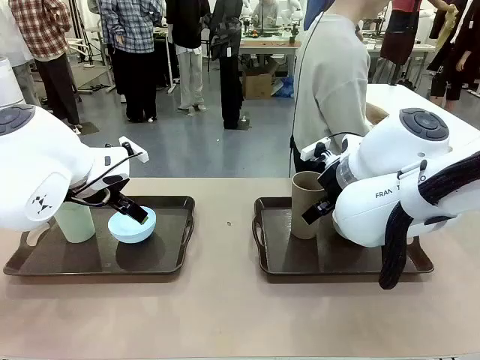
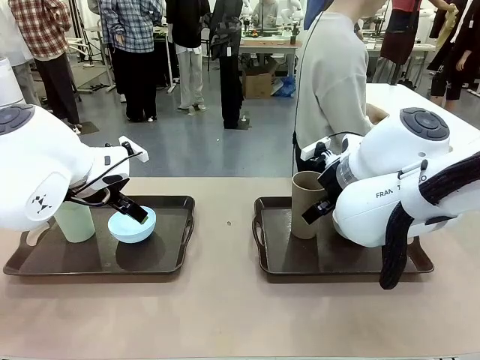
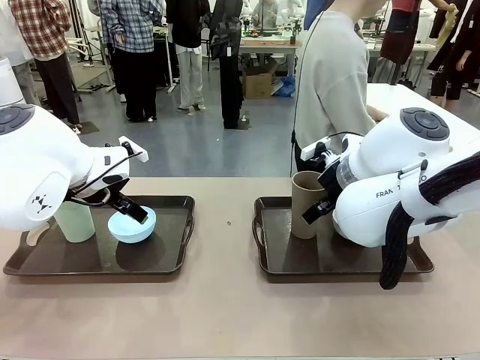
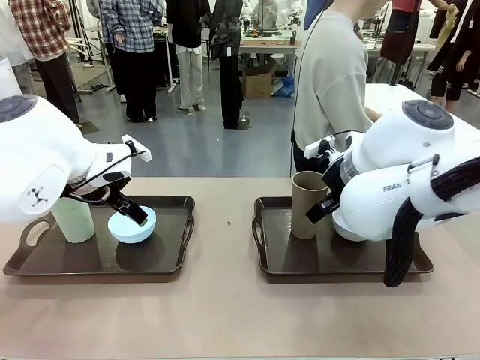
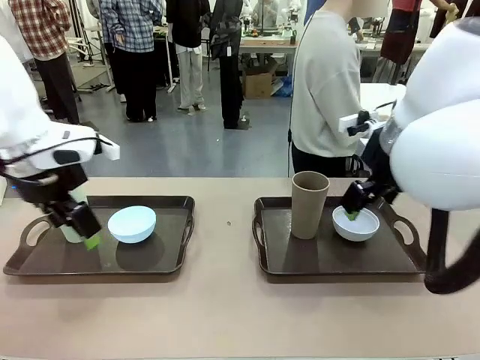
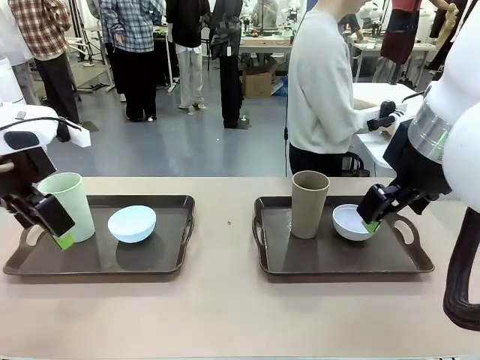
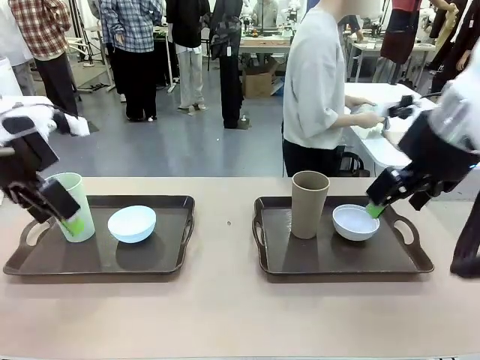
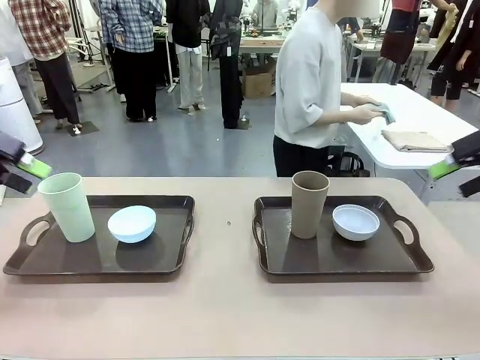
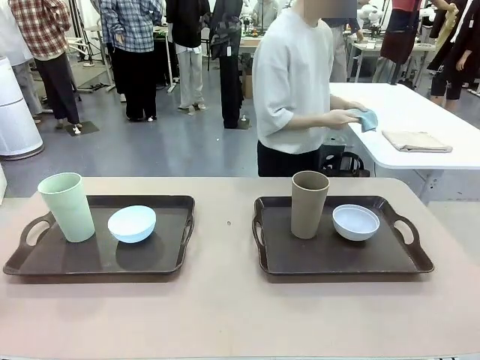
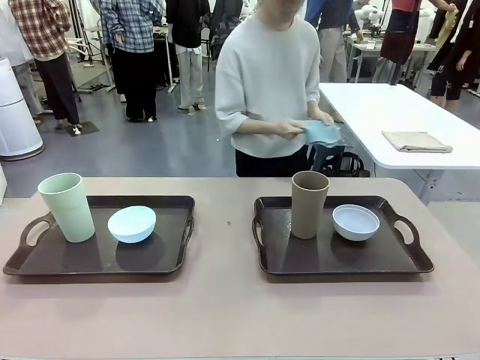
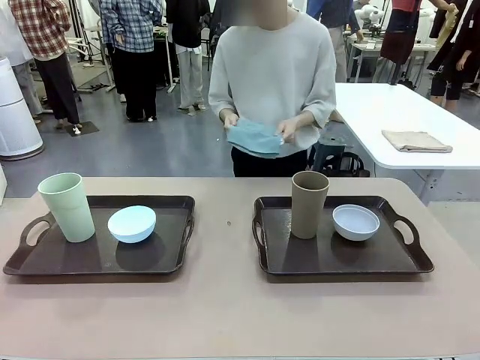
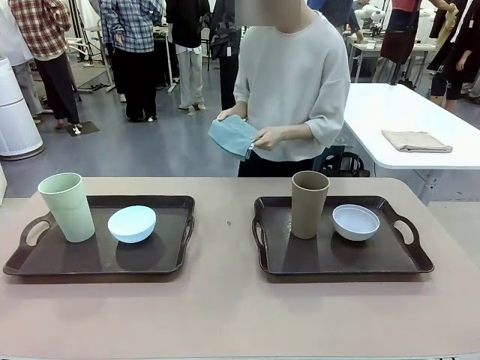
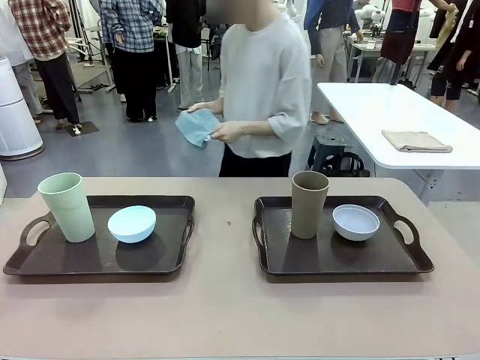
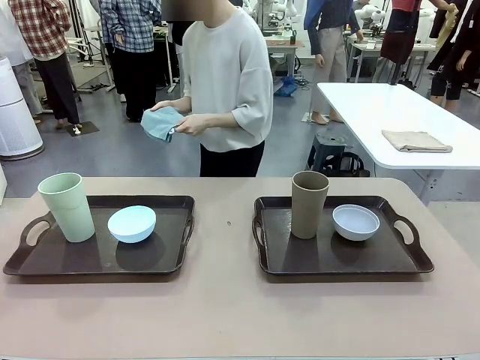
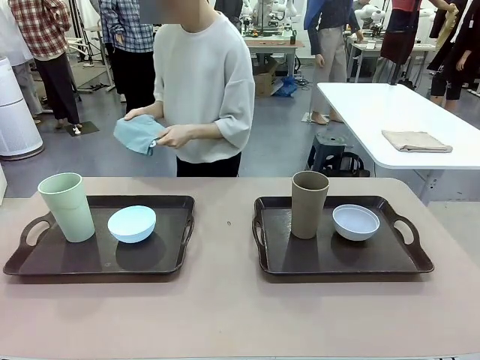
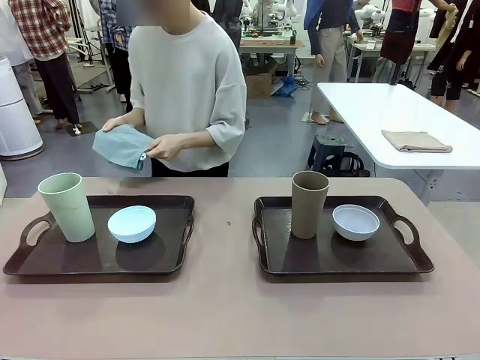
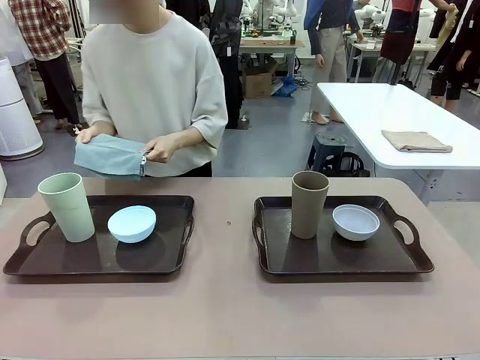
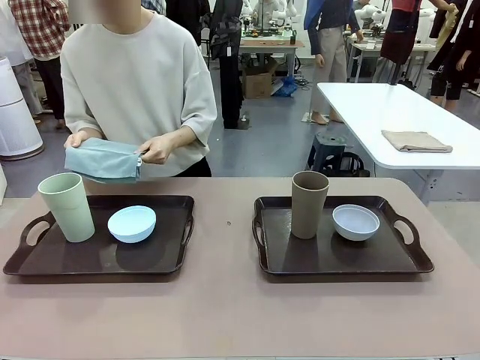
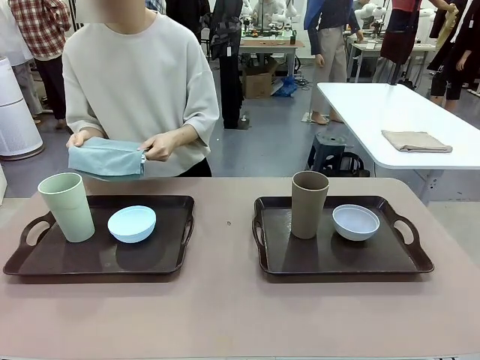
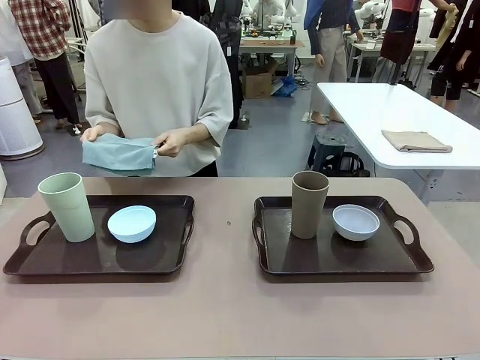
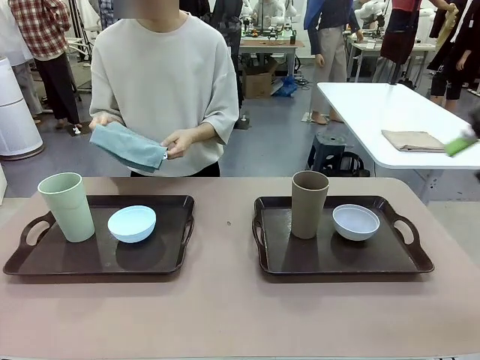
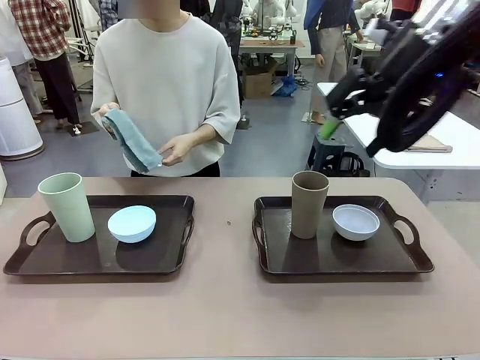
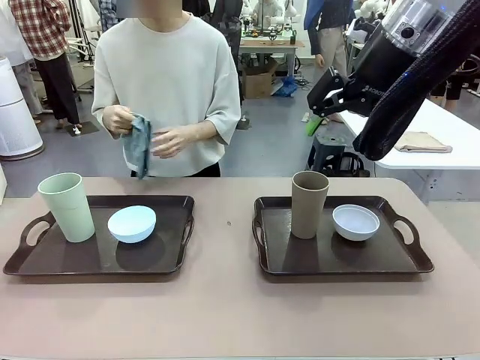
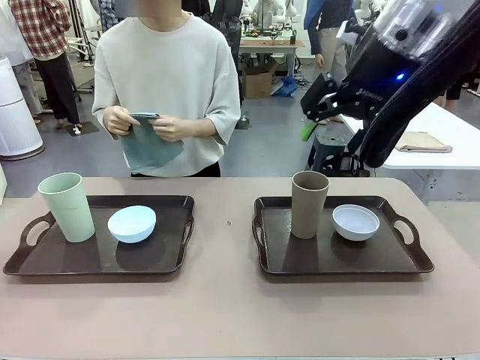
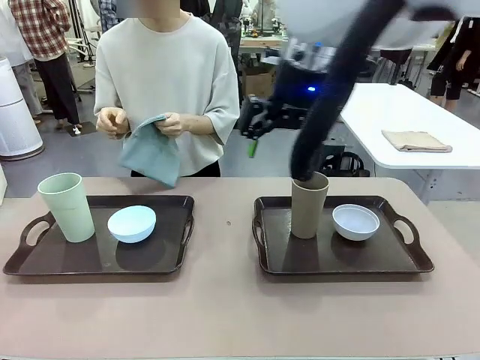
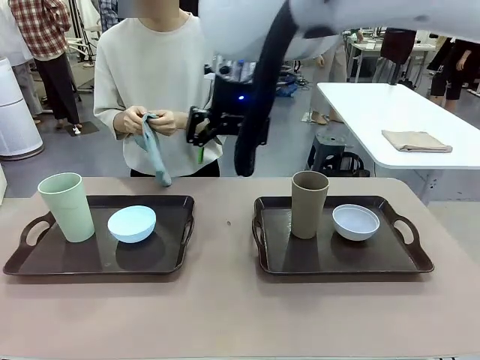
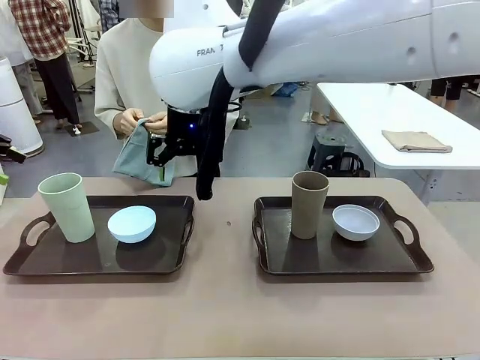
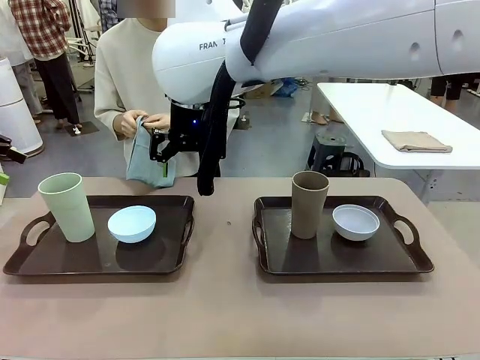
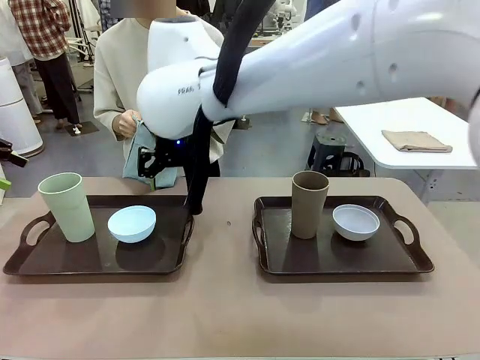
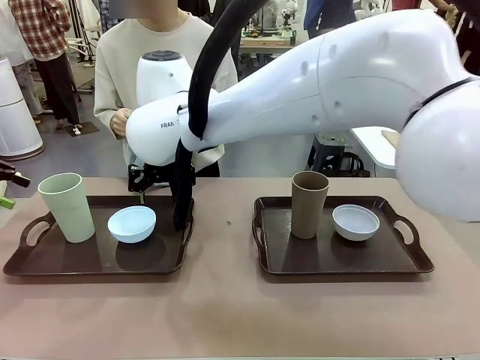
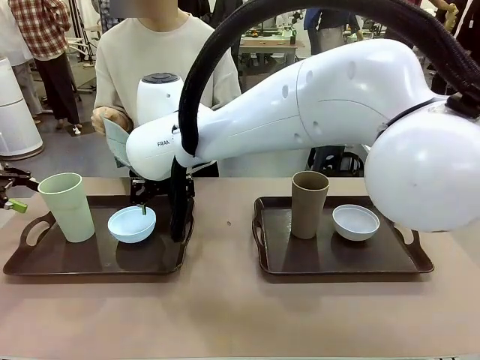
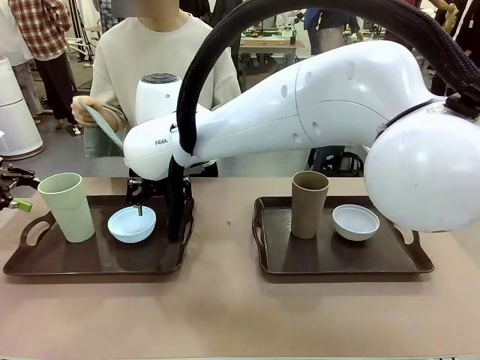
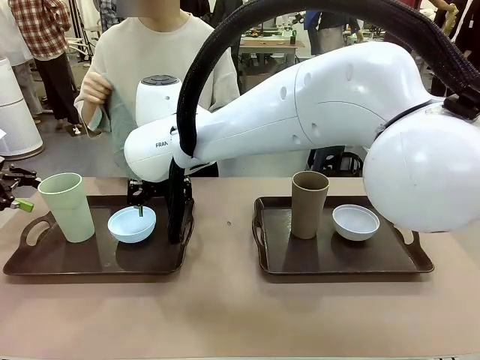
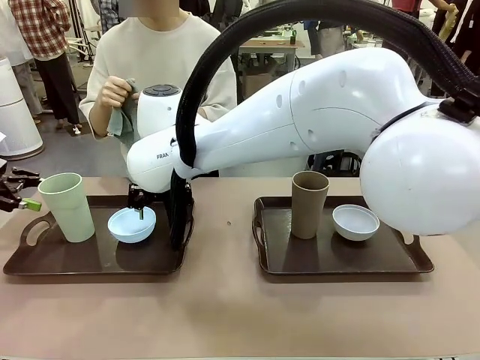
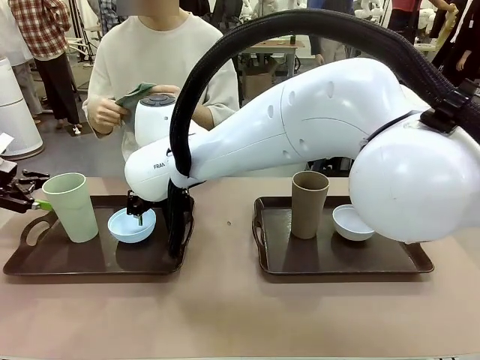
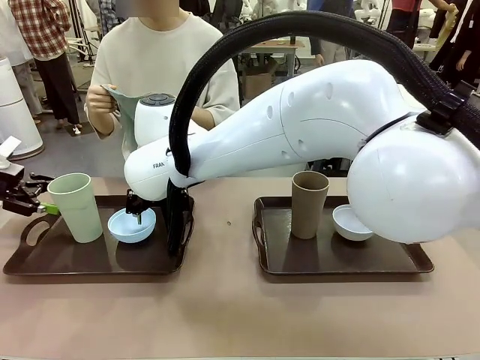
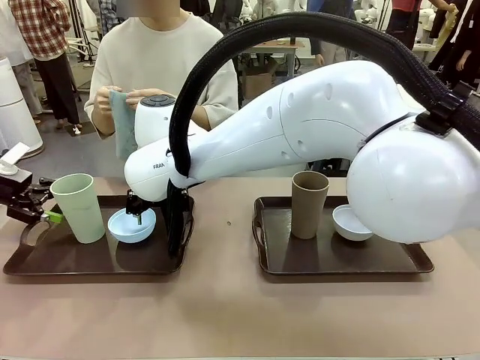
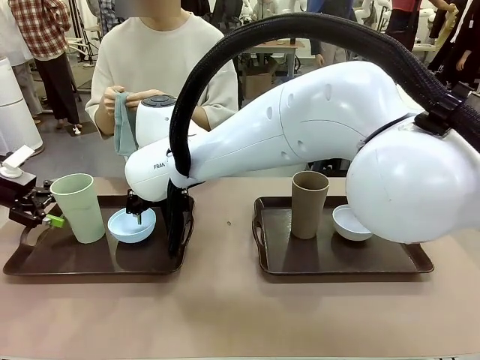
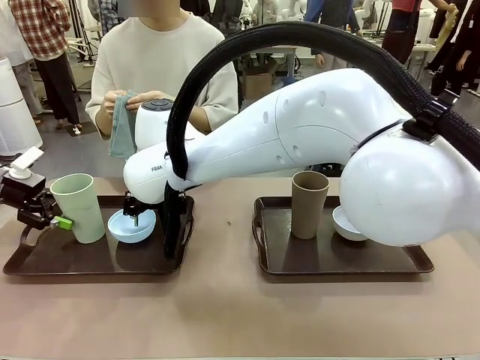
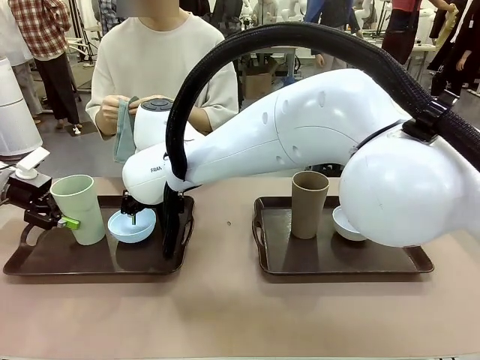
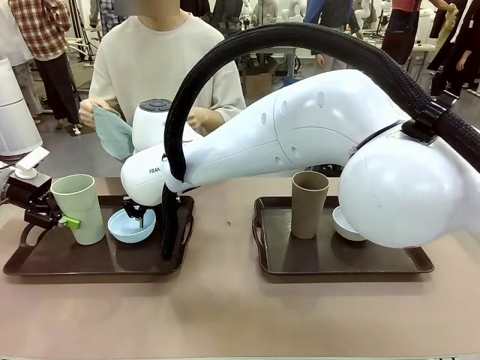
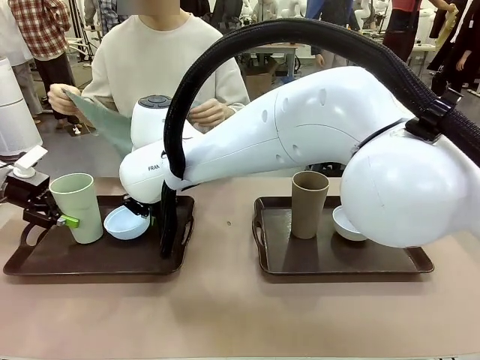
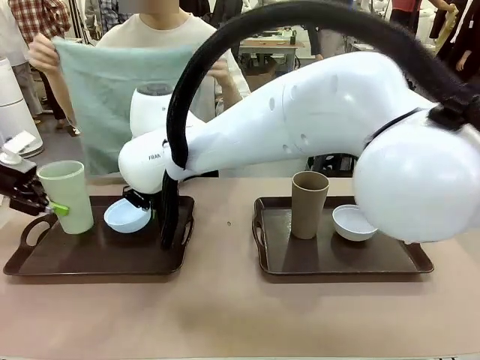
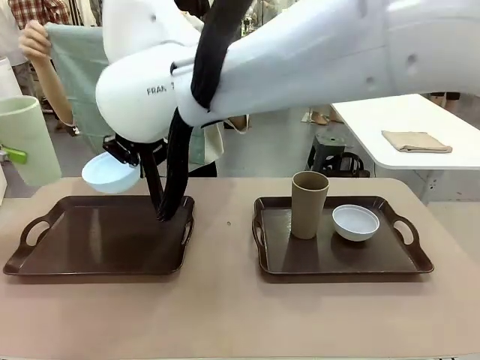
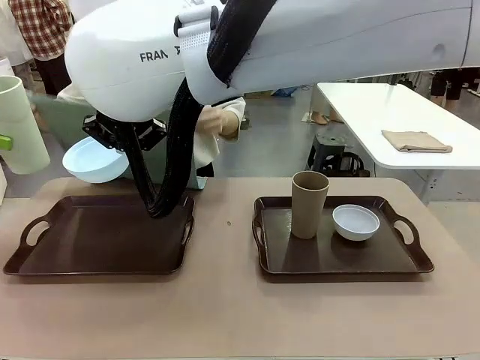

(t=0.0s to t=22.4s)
Robot: Pick up the Picnic Bowl and Reusable plastic cup from the Handle tray in front of the human's position and hold them in the air.
Person: The human picks up the top napkin from the stack on the human table and walks to the robot table to stand in front of one of the two trays. When the robot lifts the bowl and the cup, the human unfolds the napkin and lays the napkin flat on the tray.
